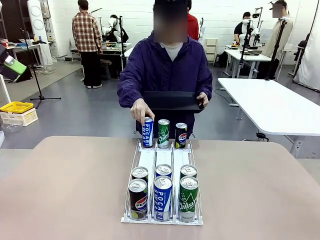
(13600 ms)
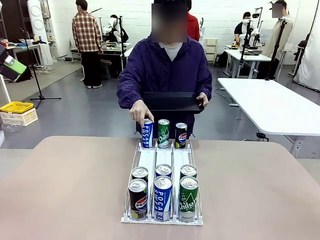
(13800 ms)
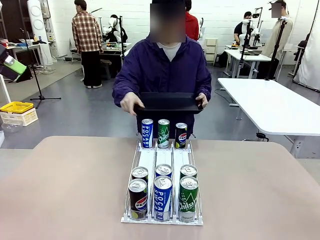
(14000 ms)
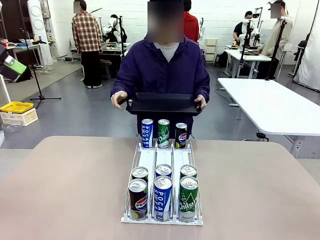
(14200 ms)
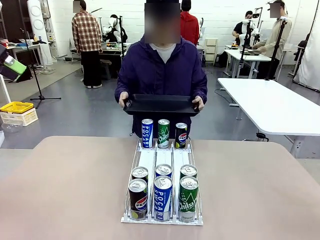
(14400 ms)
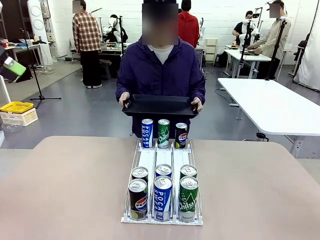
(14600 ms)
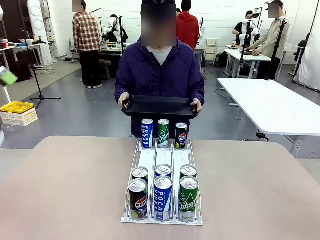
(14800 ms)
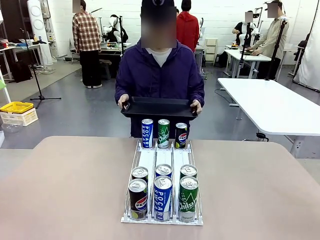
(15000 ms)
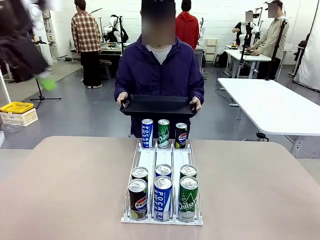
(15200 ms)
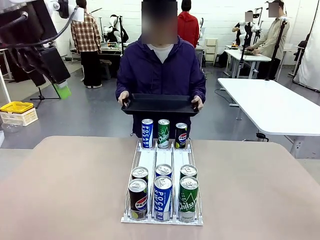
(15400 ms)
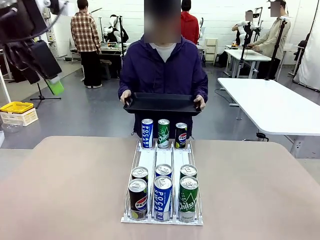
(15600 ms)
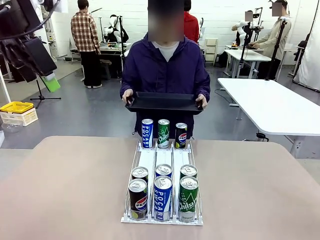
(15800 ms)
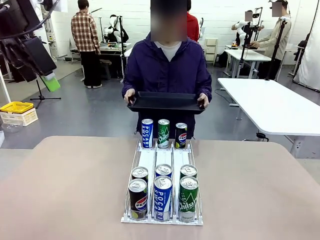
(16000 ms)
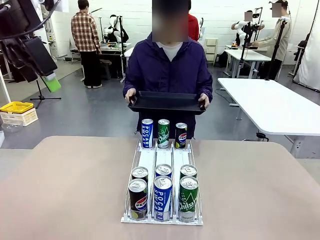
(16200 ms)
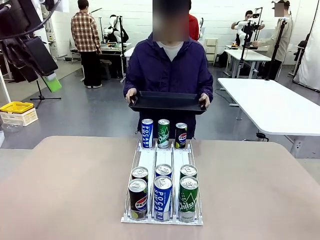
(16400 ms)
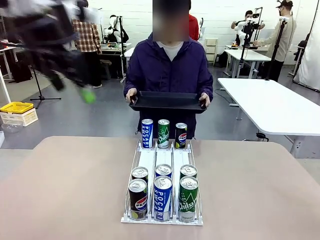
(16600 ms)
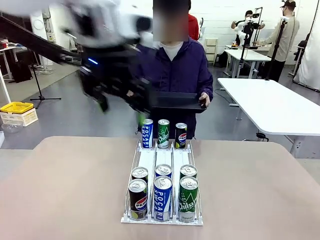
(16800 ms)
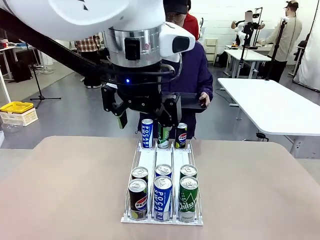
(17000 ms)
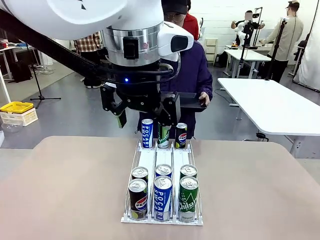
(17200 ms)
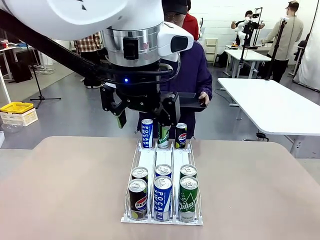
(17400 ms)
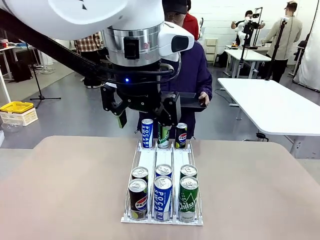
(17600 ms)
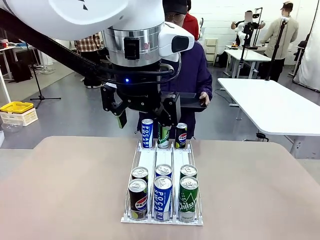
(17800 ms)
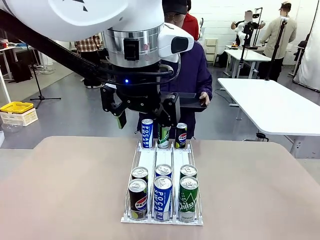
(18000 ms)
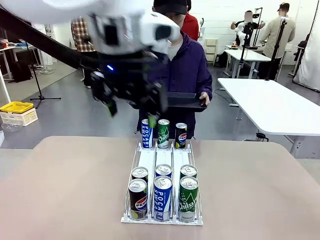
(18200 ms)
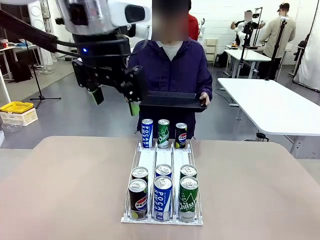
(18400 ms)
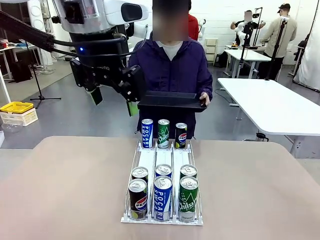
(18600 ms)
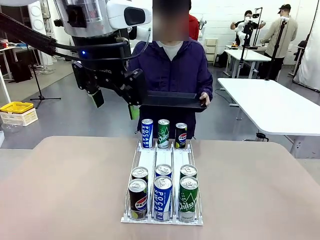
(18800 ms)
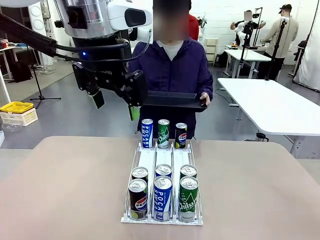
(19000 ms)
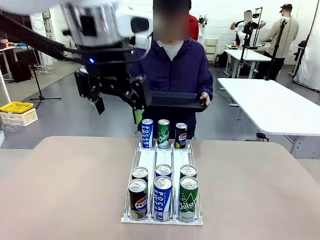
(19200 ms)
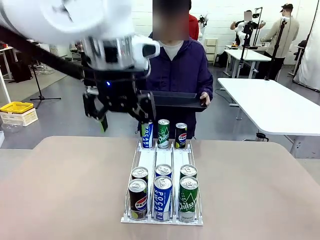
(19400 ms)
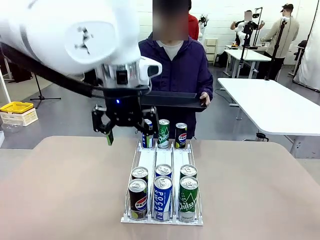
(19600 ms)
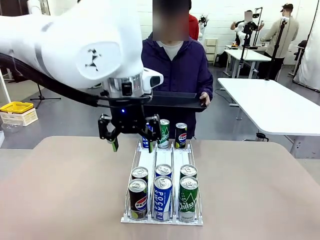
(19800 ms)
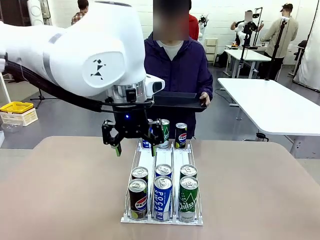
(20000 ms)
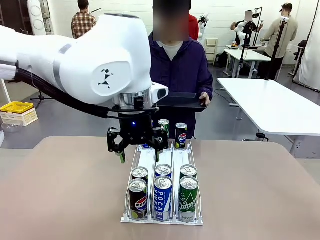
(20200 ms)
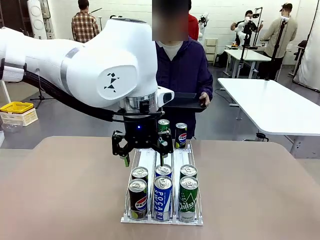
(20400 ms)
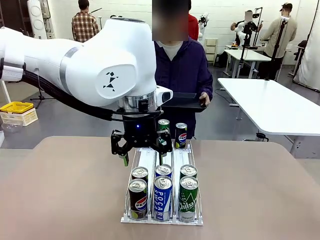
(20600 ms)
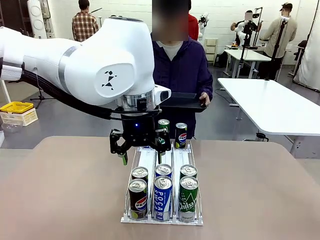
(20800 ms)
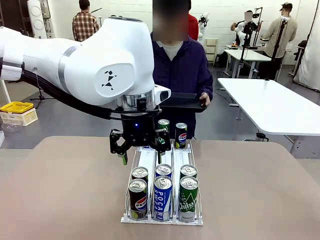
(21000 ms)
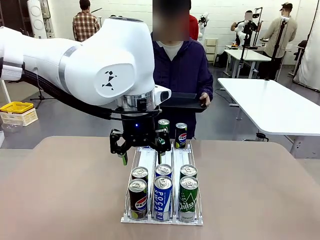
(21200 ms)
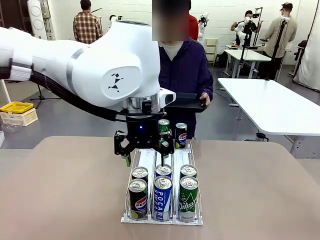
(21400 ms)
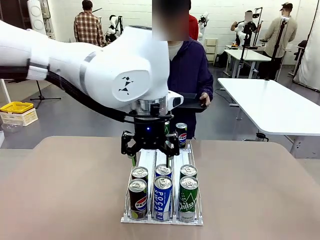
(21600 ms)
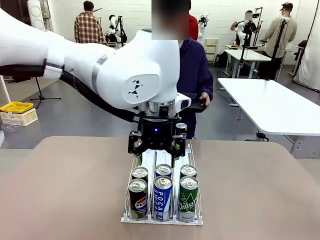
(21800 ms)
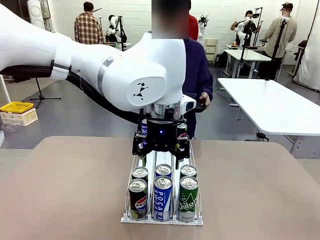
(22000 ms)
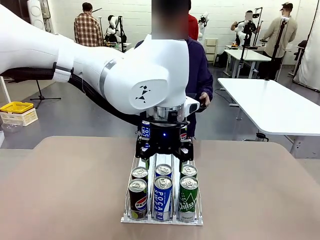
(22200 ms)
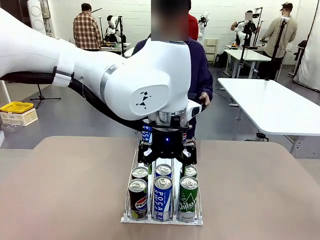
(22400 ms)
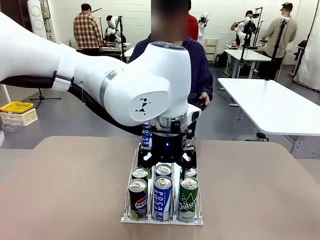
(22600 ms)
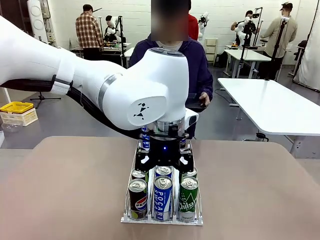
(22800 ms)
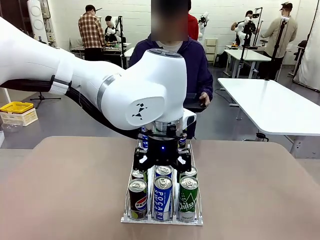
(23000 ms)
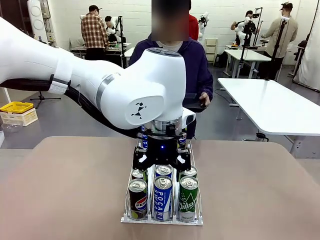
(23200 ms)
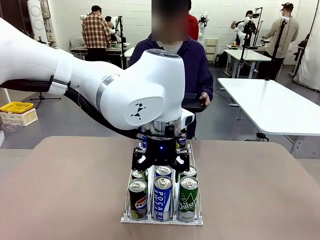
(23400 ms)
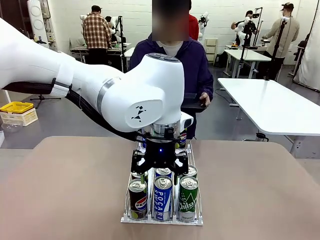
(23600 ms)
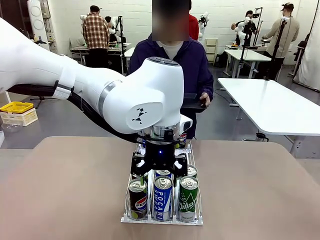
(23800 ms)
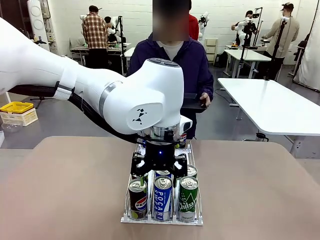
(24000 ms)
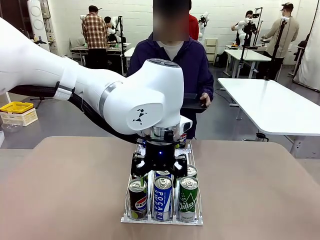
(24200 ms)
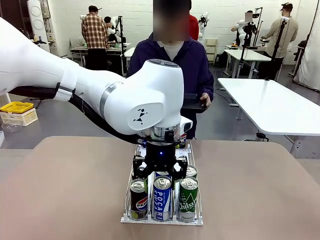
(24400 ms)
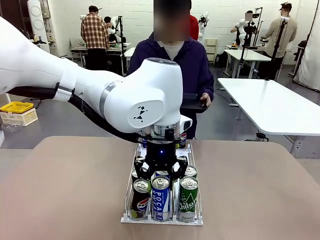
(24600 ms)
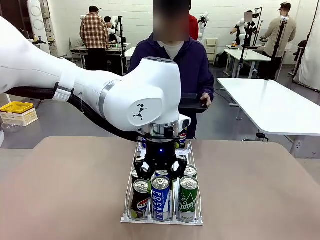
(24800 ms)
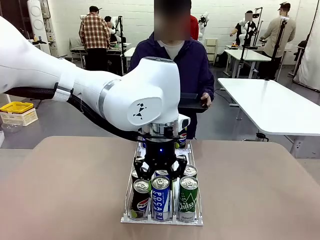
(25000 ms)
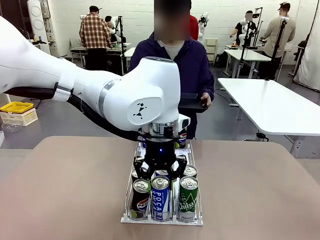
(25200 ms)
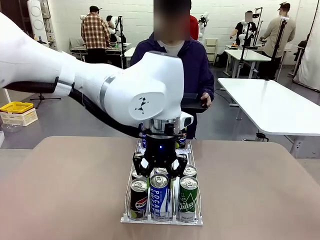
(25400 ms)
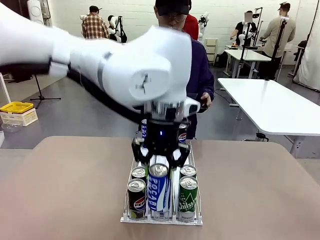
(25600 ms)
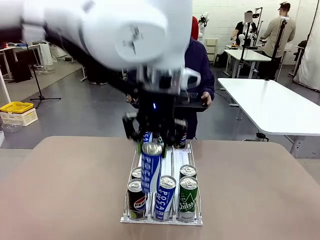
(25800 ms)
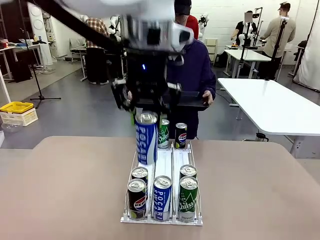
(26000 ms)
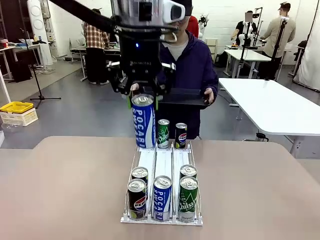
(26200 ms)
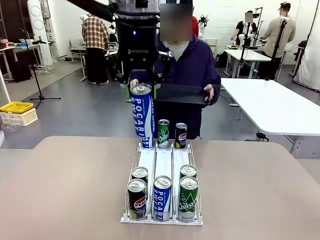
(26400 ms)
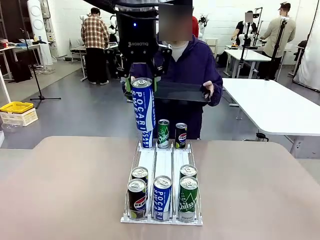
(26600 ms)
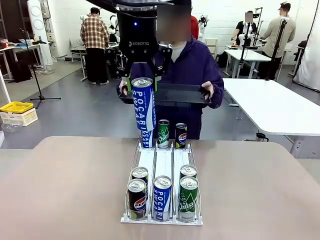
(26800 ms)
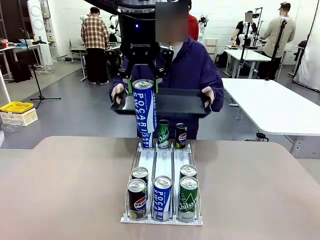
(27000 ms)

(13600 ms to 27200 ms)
Task: Retrieve and hand over the desired beverage to the person.
Robot: Pick up a can of the same type that the person held from the Automatic Can Dispenser.
Person: Push the tray toward the robot.

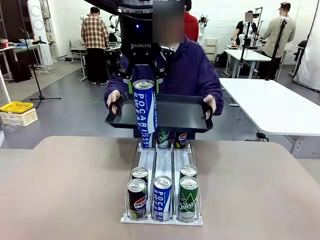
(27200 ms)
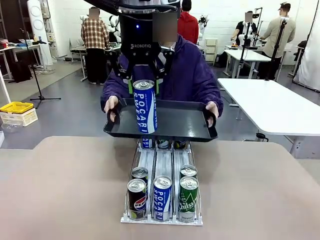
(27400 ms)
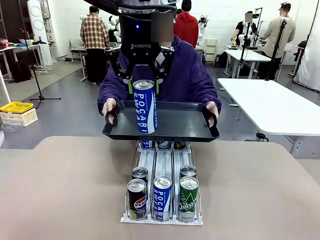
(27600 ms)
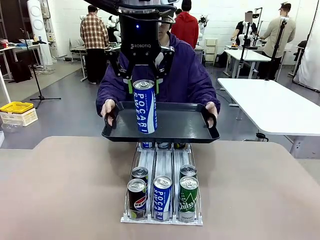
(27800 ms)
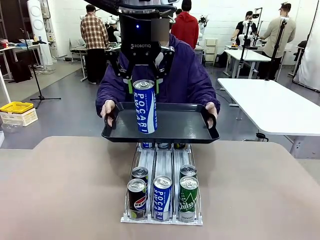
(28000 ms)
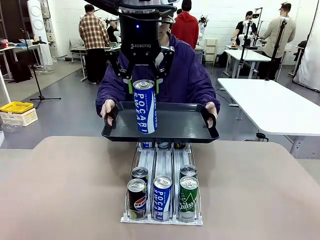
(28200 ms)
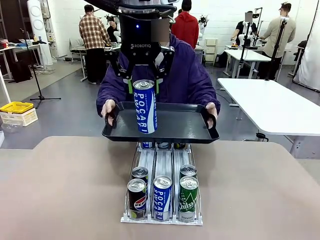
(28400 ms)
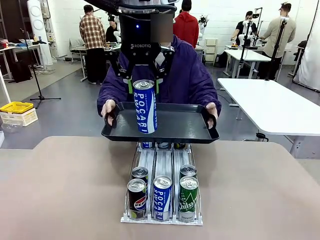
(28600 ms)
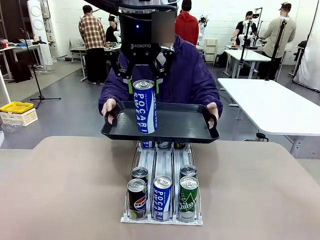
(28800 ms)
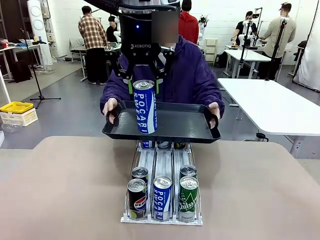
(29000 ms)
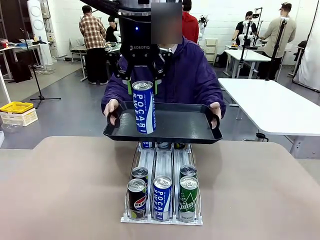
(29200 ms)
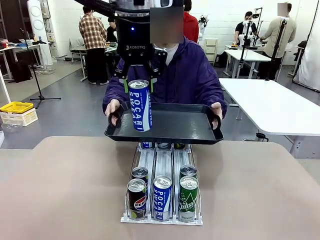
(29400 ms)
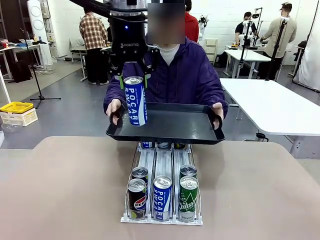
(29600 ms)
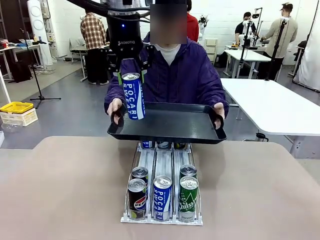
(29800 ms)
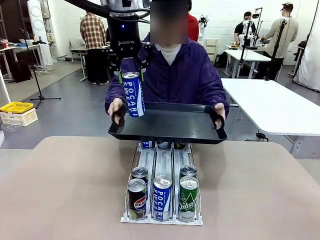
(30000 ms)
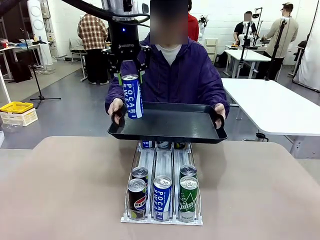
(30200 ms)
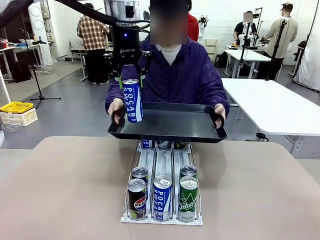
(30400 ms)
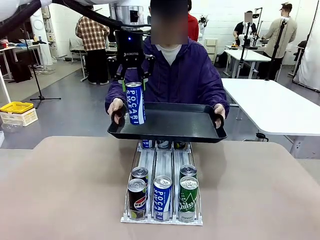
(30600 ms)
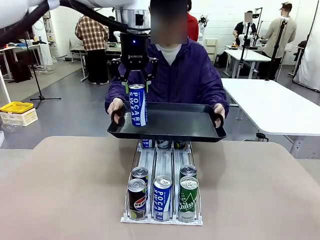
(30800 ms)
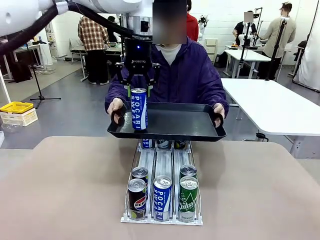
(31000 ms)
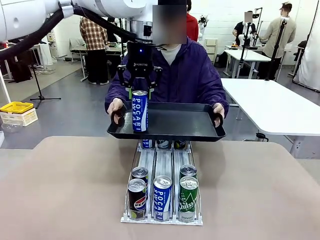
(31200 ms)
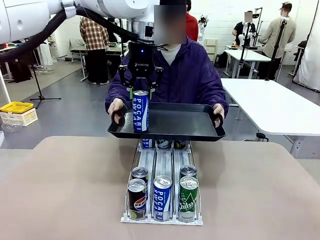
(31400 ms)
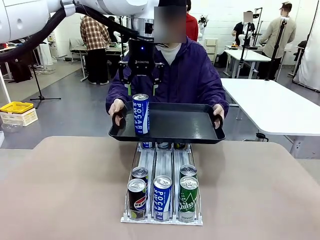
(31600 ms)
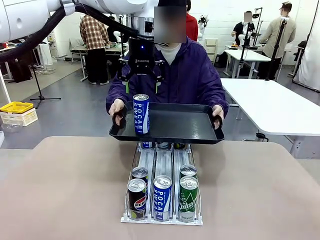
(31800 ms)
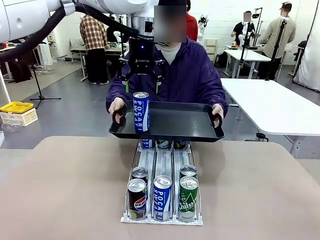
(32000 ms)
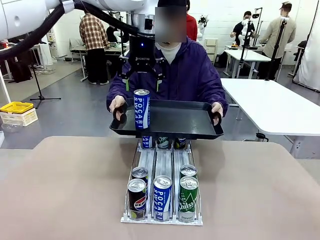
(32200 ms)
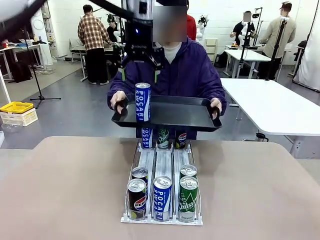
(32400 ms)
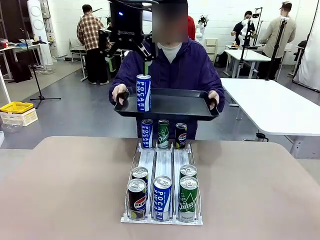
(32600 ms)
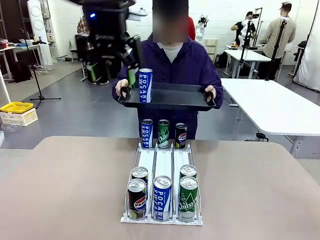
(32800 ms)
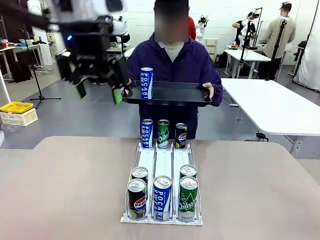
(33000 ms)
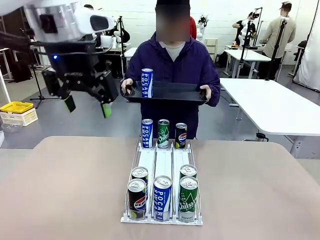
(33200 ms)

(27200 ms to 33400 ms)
Robot: Place the picked can on the Handle tray extended by the person.
